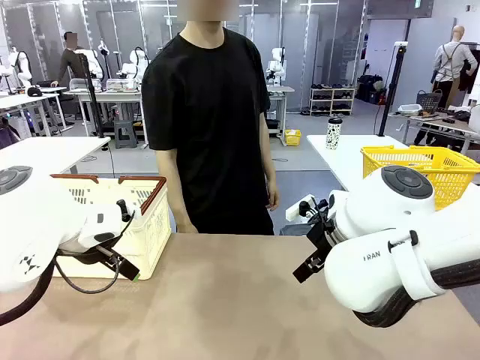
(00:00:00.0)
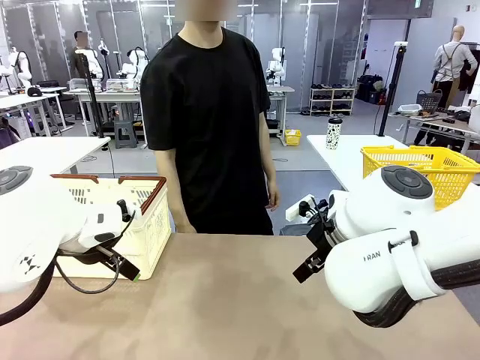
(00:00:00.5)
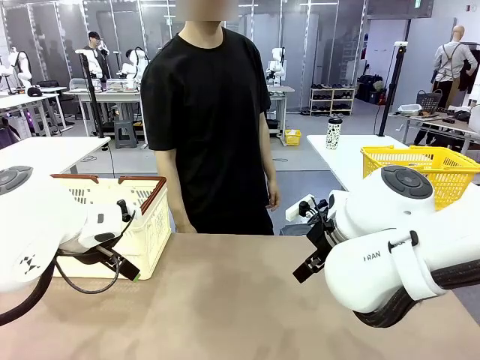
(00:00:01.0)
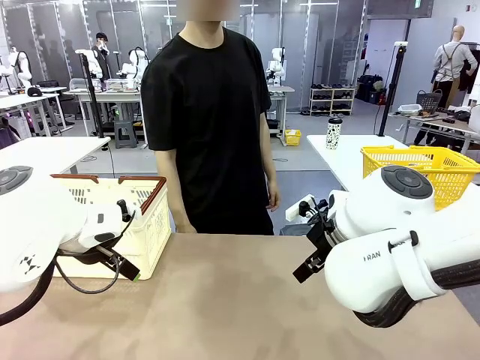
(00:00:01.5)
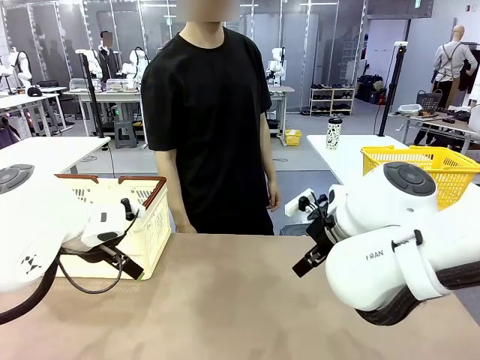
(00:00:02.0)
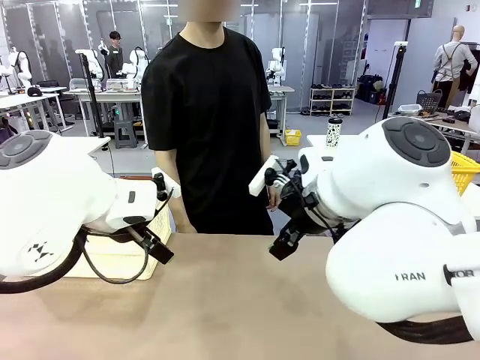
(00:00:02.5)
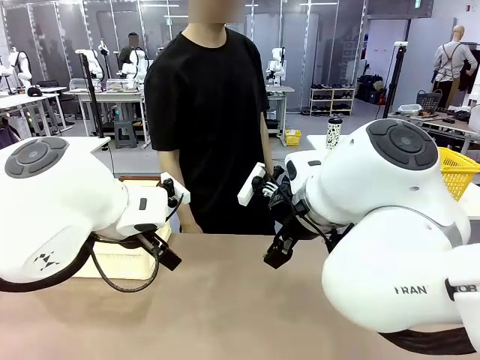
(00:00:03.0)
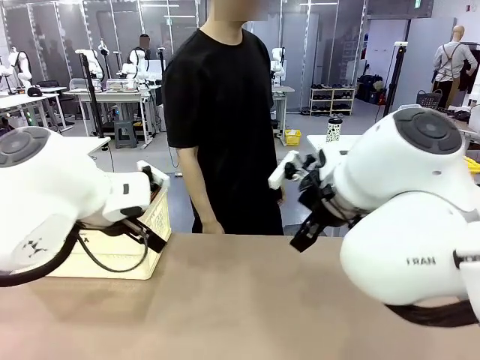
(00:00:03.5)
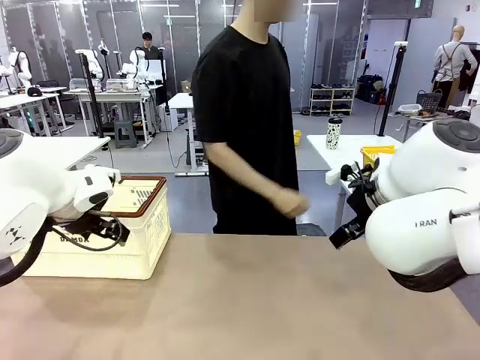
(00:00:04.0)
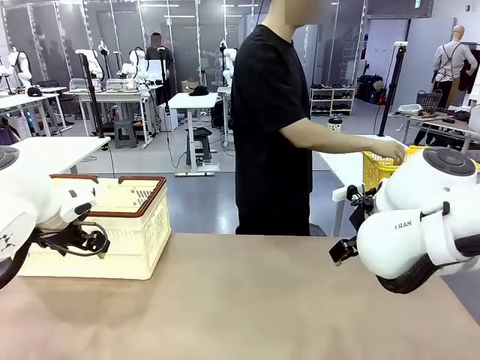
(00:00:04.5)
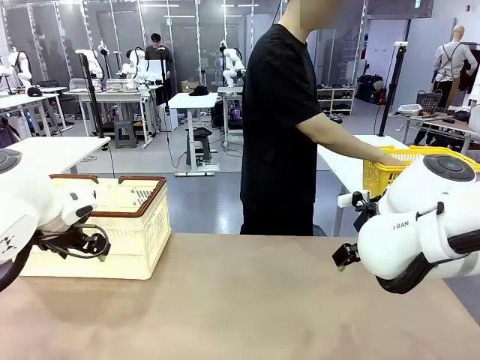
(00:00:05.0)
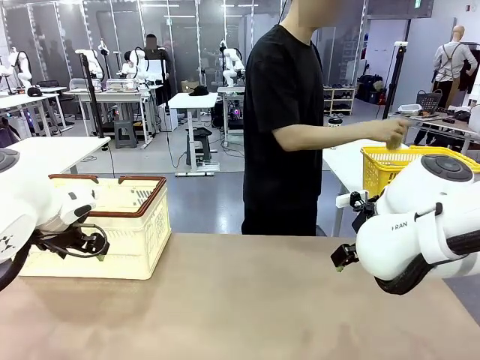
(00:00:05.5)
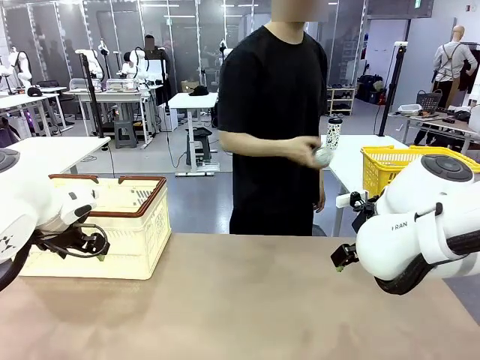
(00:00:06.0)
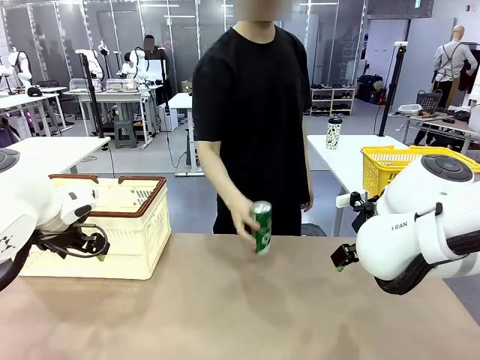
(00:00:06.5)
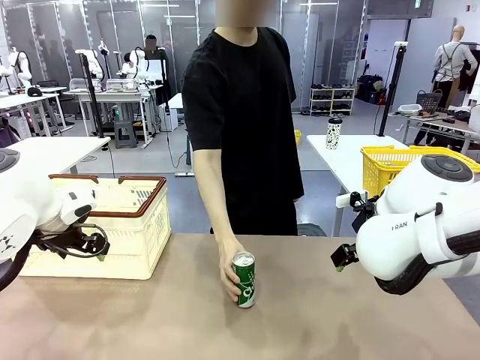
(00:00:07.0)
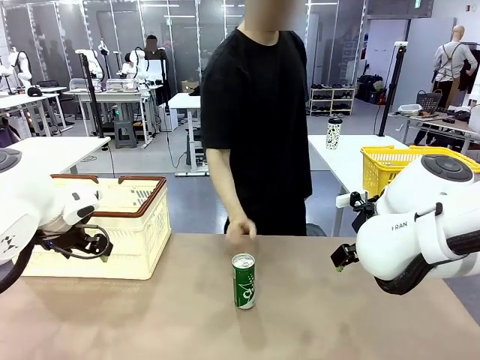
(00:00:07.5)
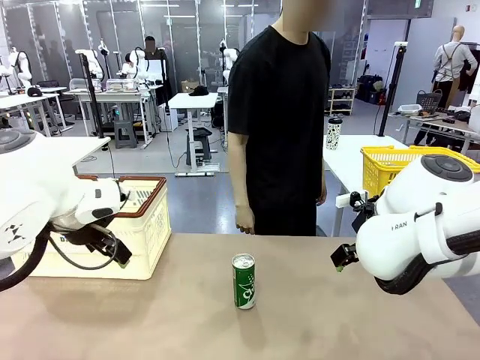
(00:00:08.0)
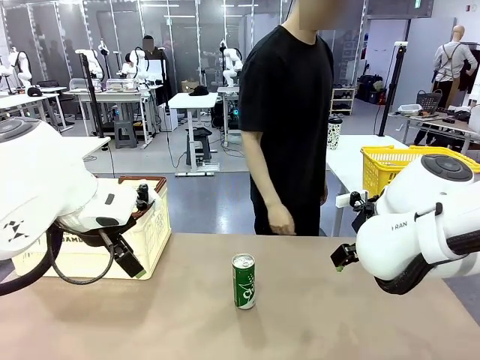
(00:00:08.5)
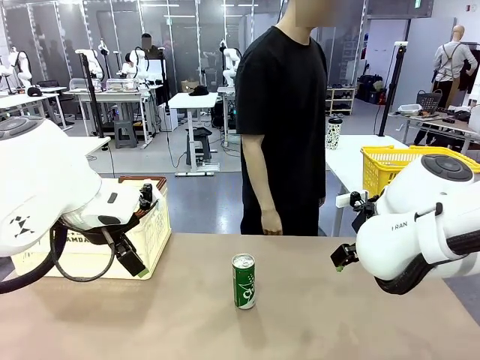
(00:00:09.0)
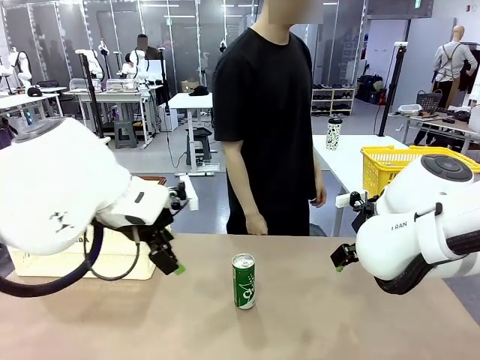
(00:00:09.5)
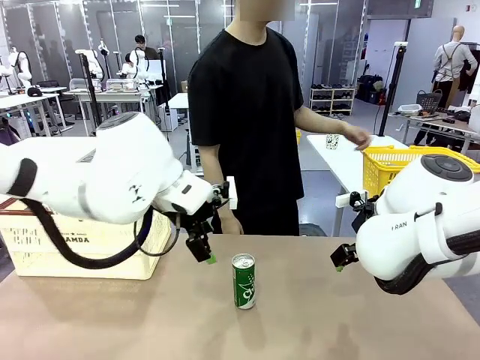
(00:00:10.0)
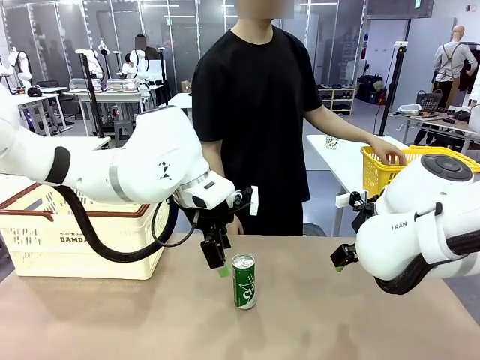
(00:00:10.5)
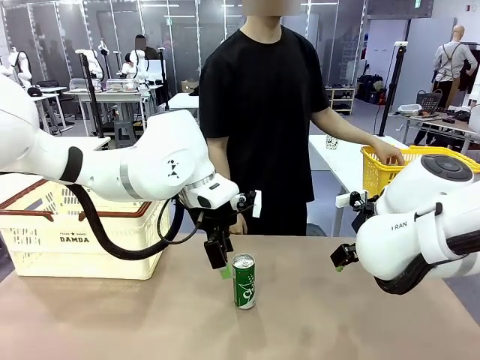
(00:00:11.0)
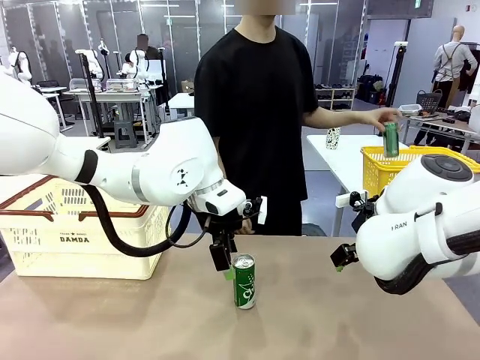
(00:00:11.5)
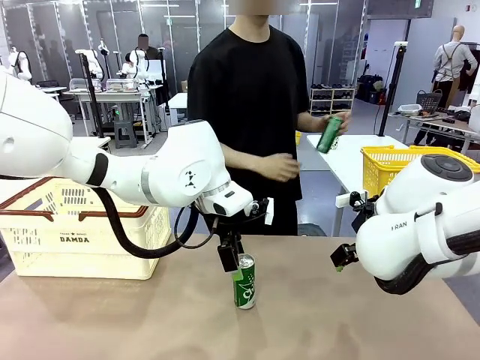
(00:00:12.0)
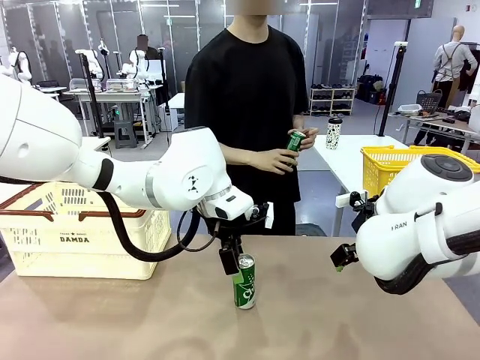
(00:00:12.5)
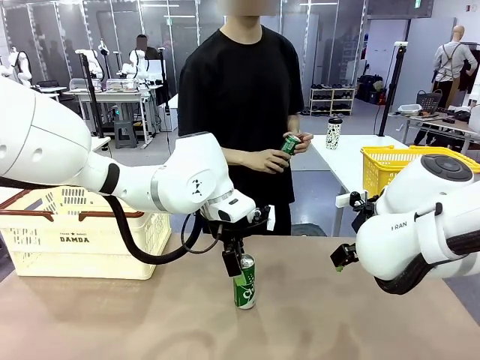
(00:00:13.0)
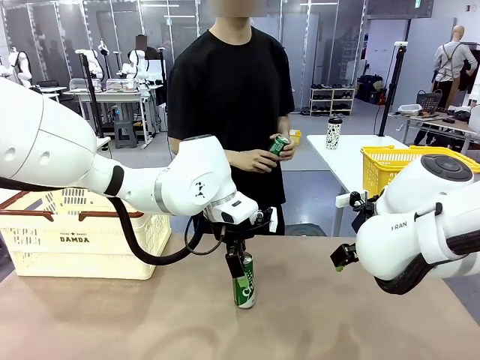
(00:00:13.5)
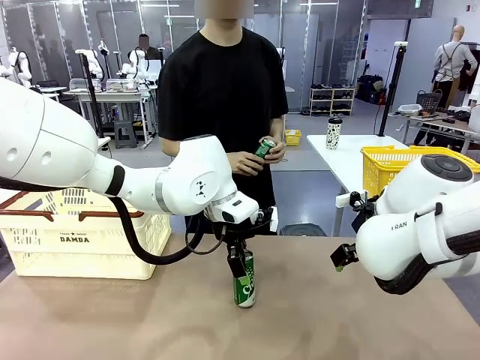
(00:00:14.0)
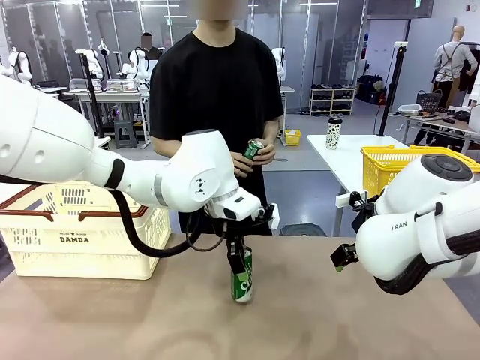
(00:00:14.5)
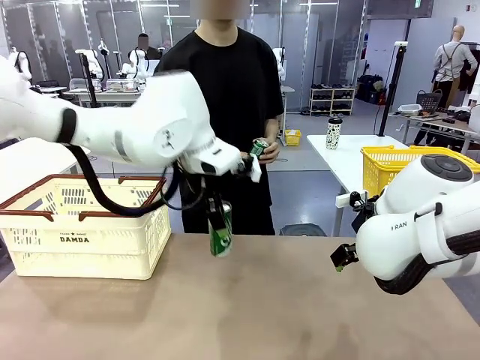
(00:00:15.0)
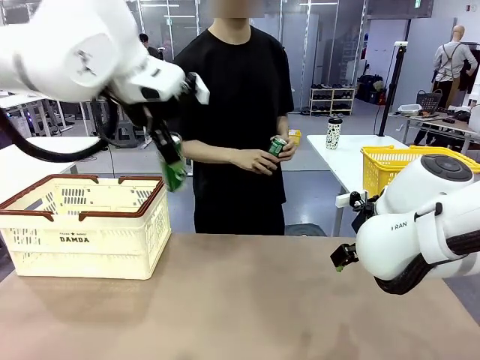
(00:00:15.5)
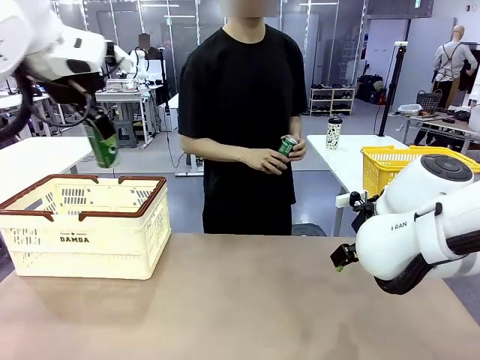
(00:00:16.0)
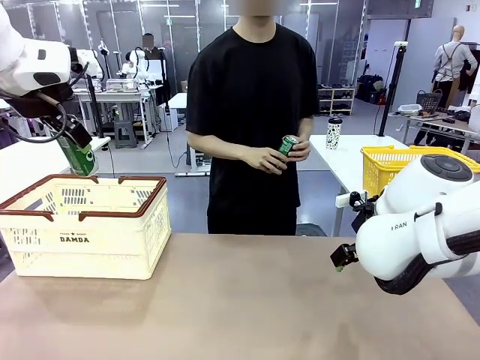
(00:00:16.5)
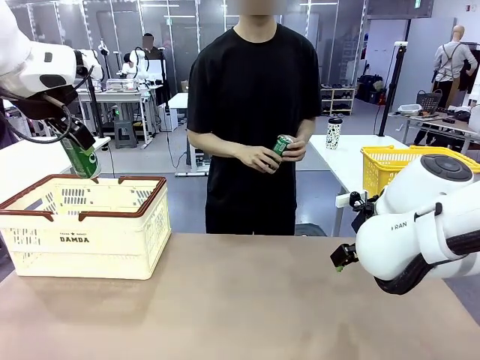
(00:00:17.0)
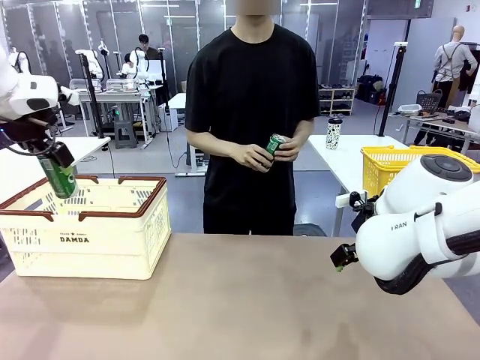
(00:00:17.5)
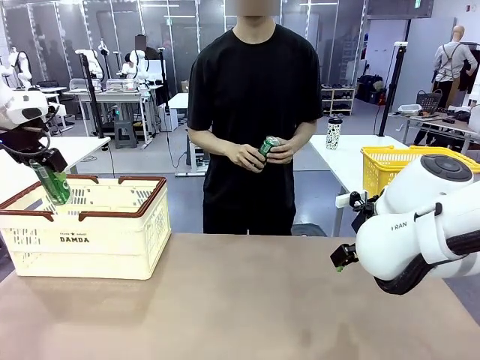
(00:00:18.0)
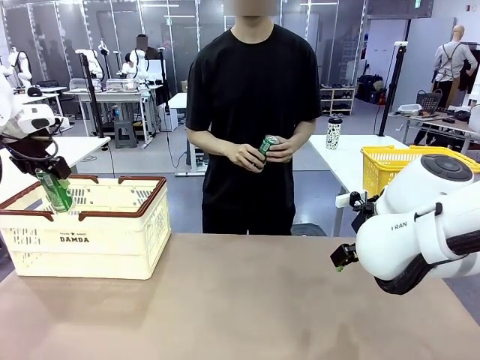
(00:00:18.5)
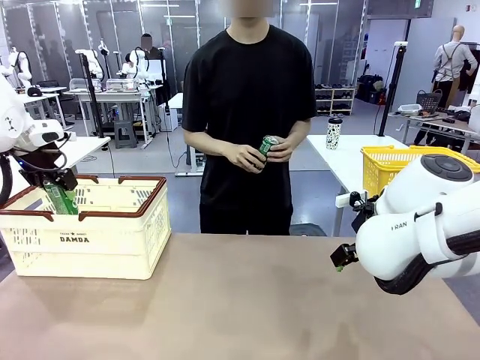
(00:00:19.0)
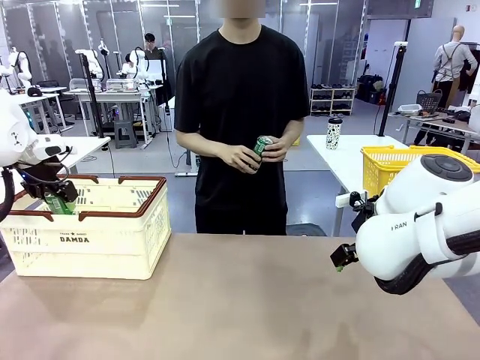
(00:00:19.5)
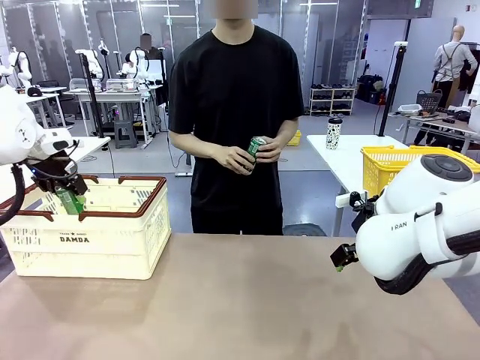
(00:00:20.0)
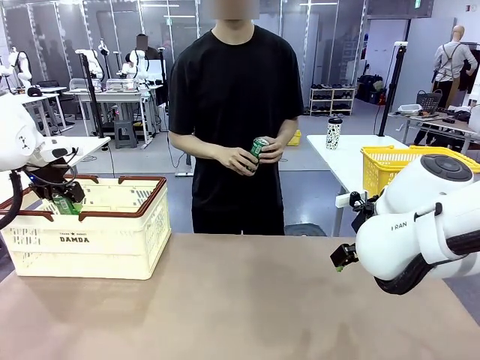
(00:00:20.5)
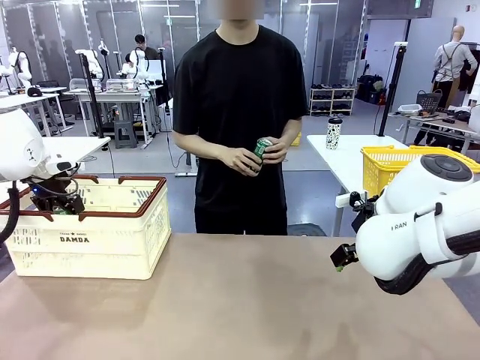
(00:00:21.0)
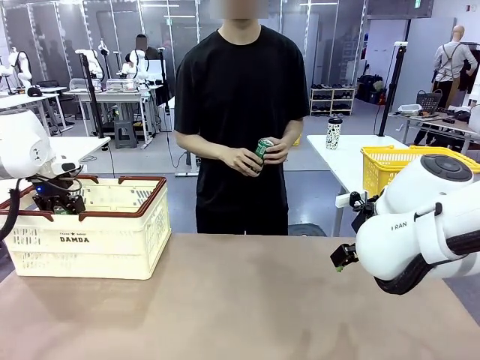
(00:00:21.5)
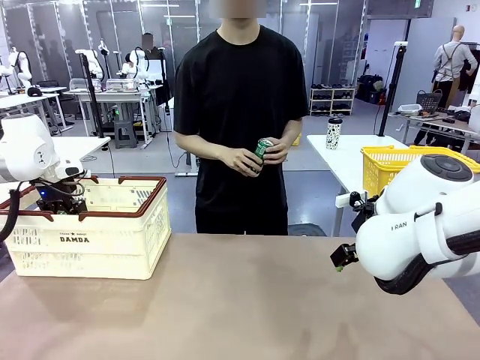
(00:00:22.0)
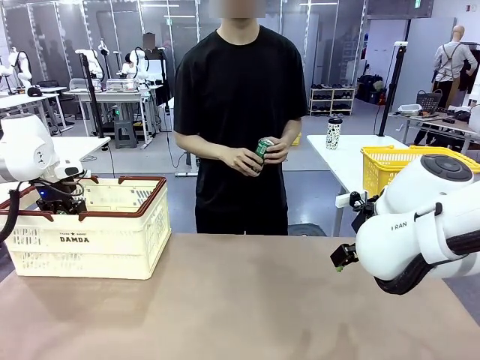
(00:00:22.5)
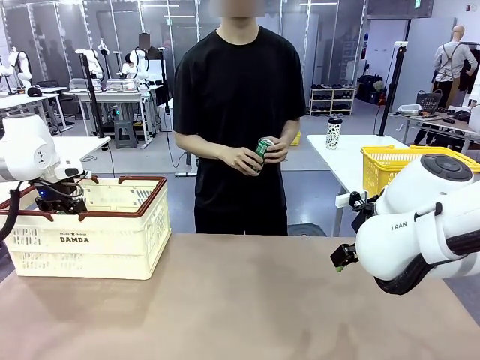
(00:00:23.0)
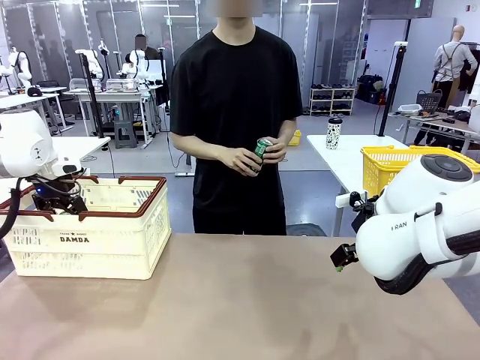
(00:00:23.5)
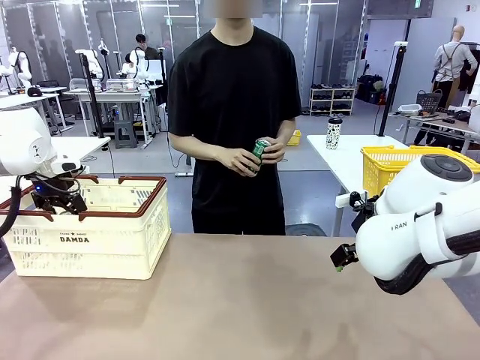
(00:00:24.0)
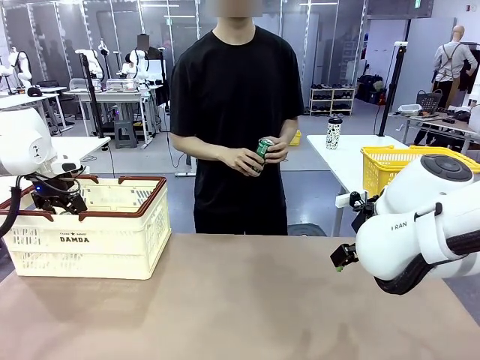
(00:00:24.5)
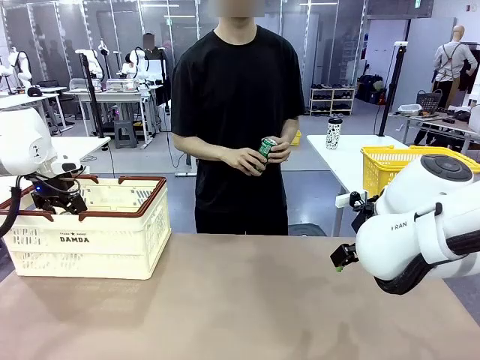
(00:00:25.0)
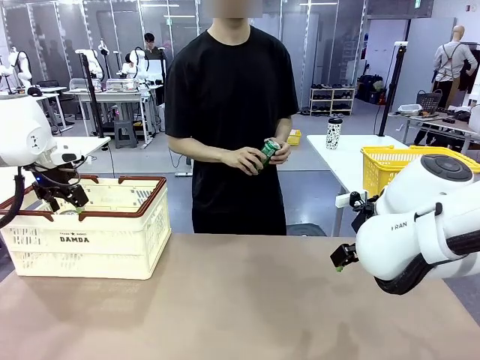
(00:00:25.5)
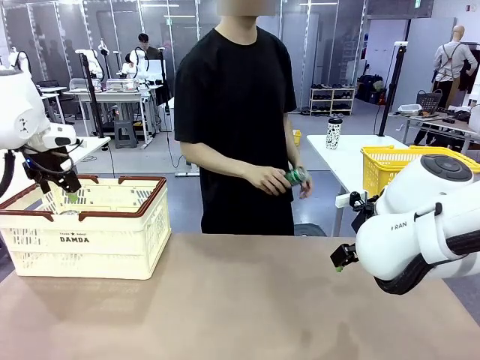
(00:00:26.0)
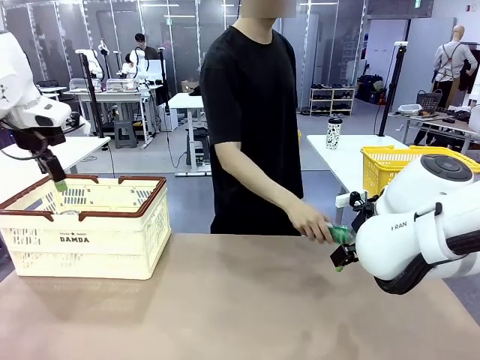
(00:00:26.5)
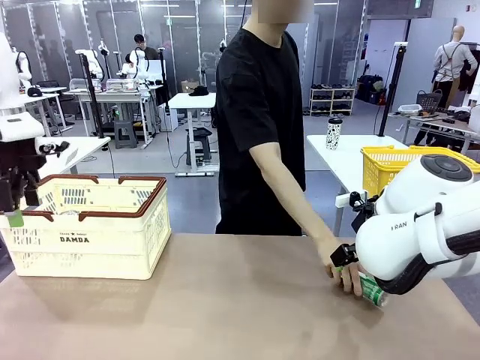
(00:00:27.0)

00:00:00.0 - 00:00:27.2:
Task: Place the drinks into the Shopping basket.
Robot: Pick up one drink and place it into the Shopping basket.
